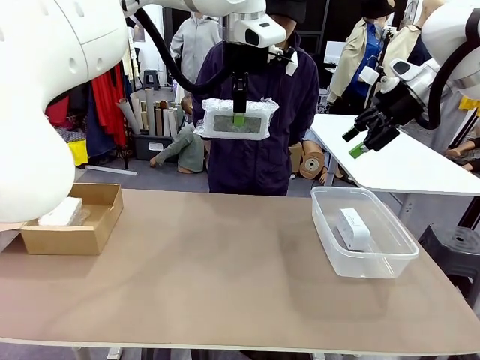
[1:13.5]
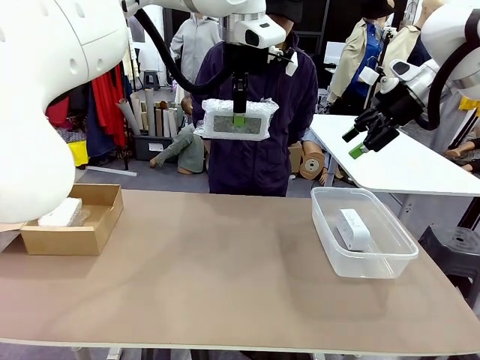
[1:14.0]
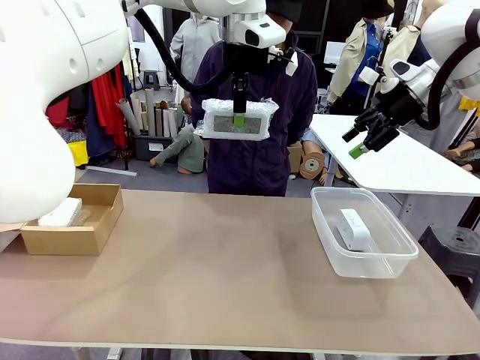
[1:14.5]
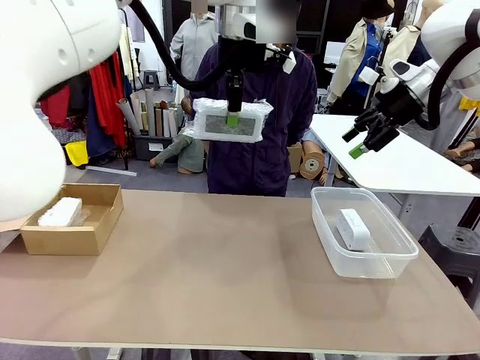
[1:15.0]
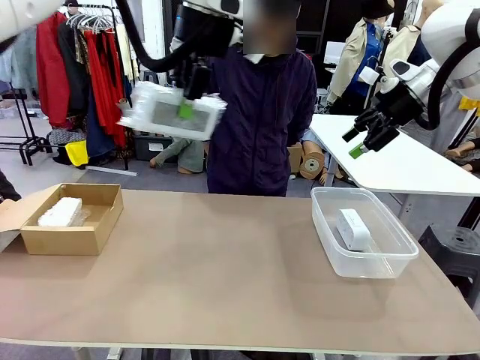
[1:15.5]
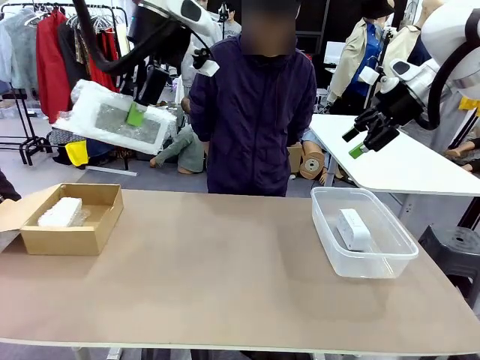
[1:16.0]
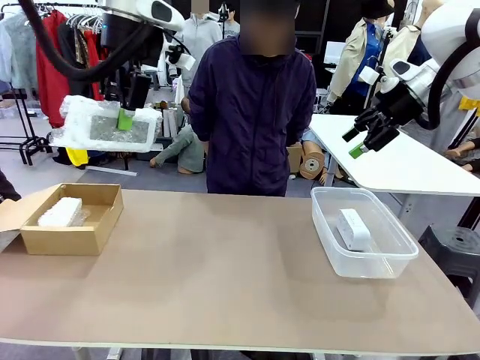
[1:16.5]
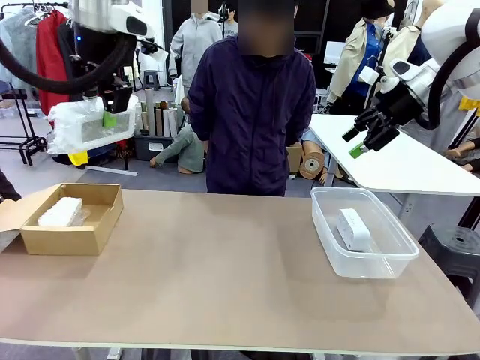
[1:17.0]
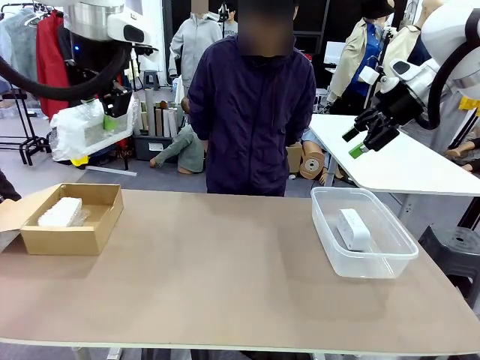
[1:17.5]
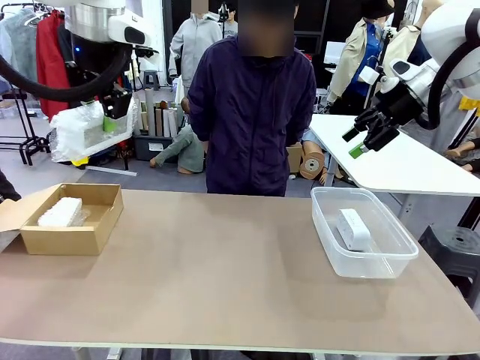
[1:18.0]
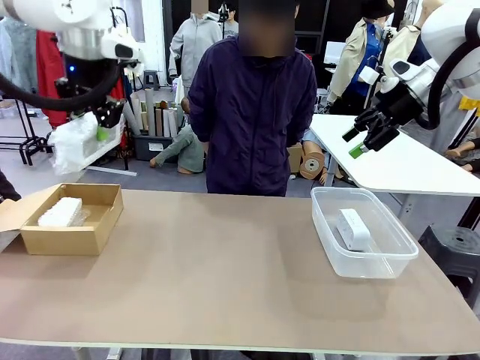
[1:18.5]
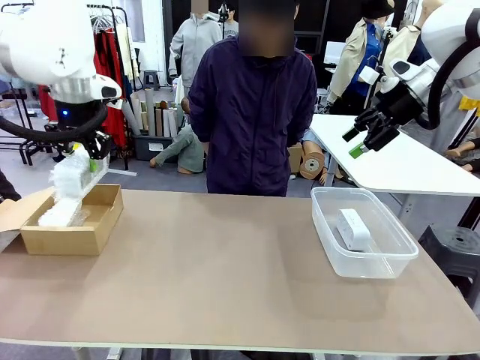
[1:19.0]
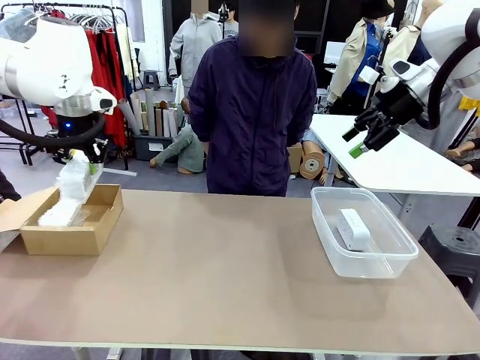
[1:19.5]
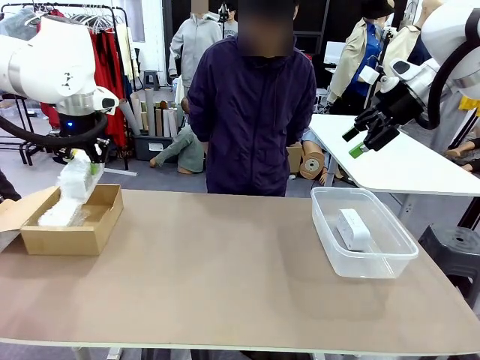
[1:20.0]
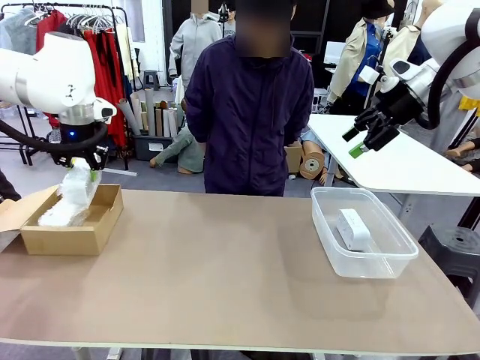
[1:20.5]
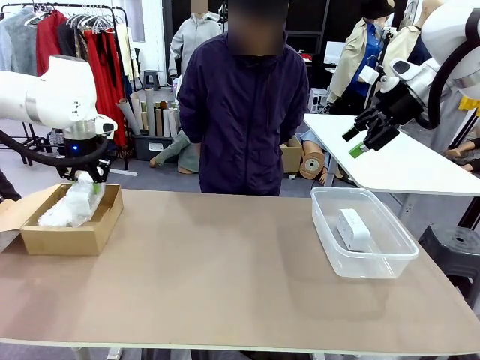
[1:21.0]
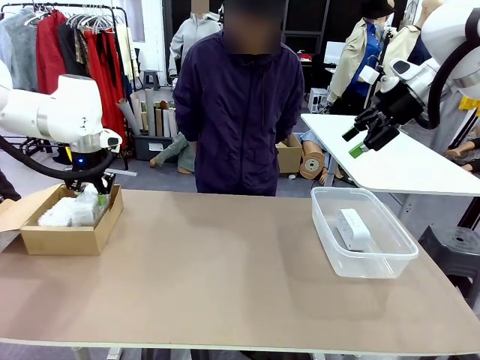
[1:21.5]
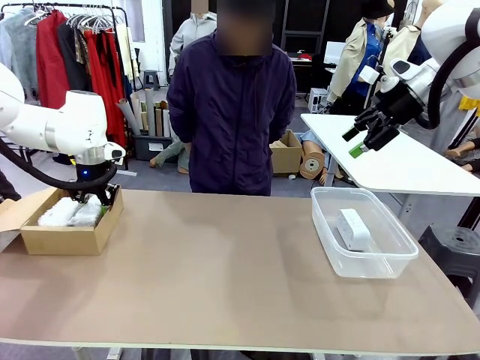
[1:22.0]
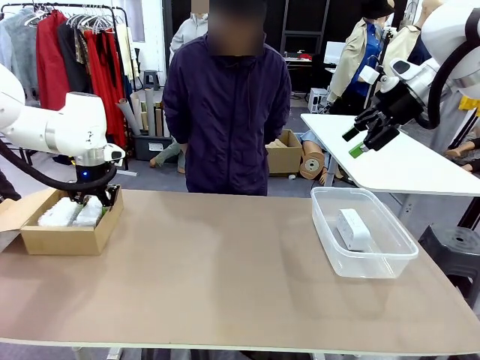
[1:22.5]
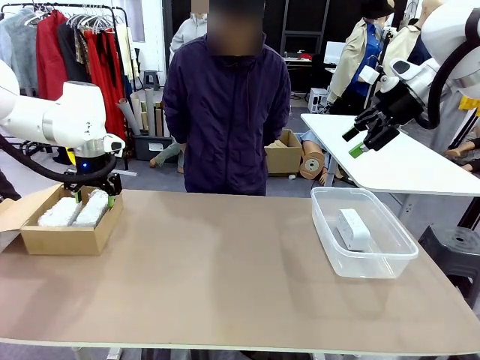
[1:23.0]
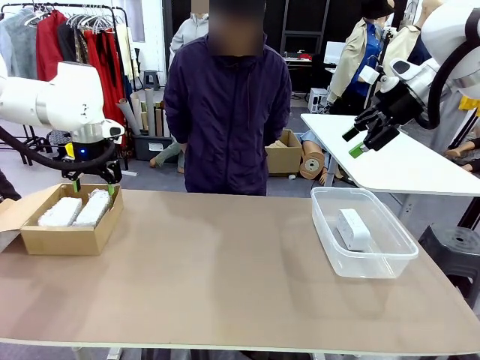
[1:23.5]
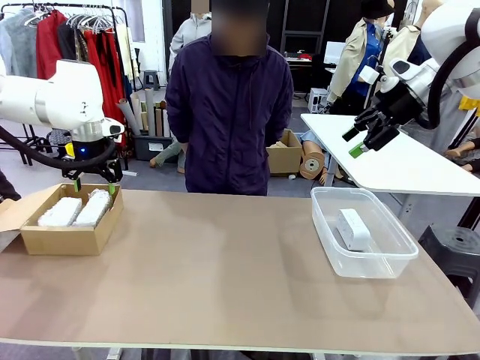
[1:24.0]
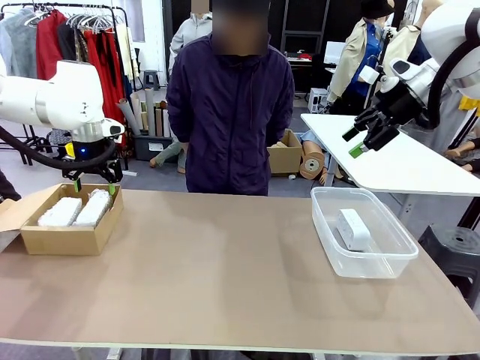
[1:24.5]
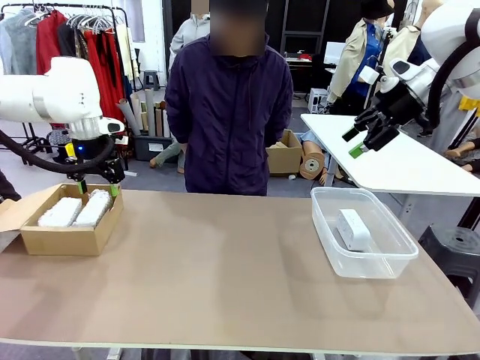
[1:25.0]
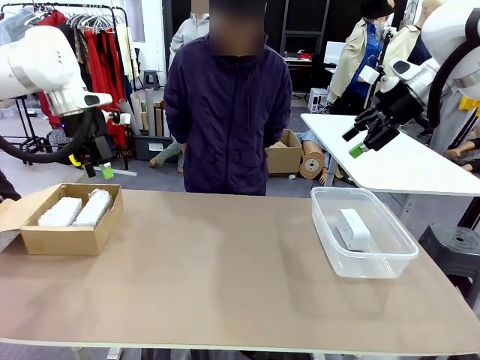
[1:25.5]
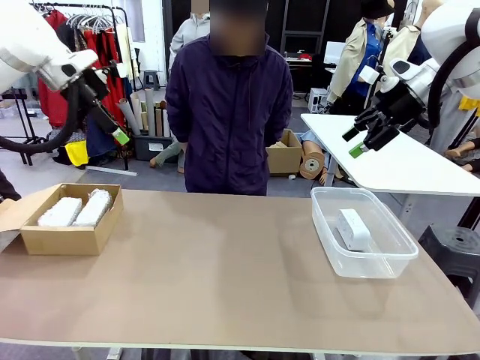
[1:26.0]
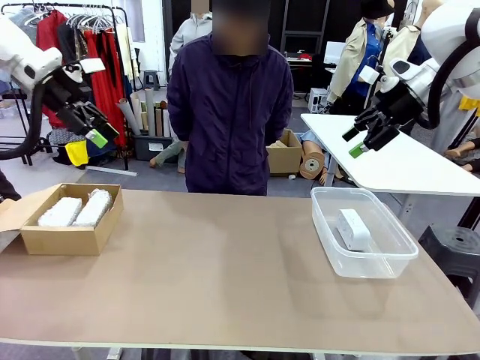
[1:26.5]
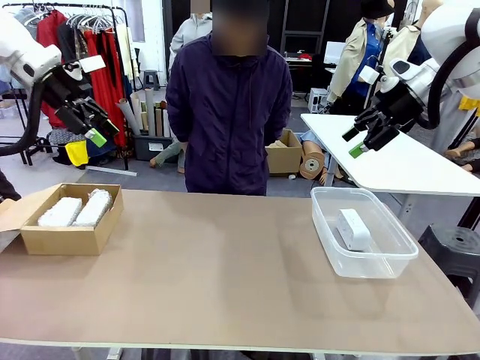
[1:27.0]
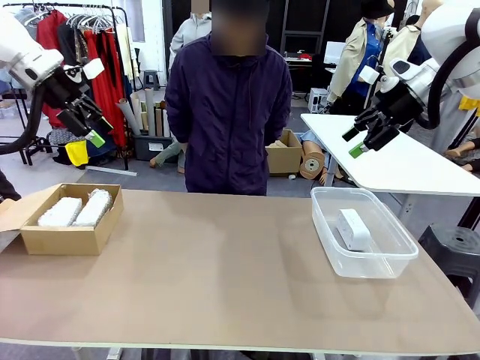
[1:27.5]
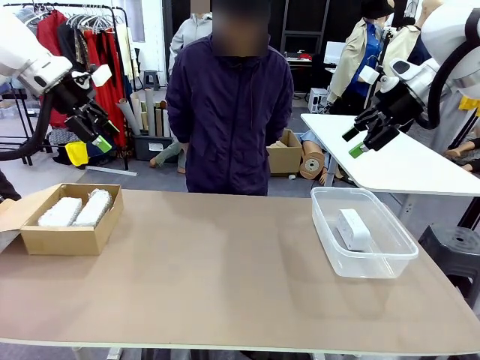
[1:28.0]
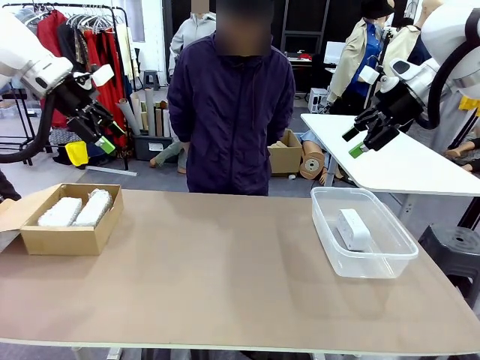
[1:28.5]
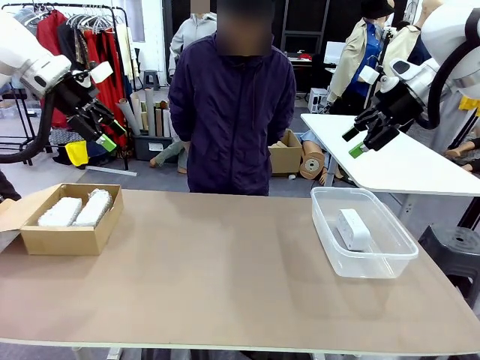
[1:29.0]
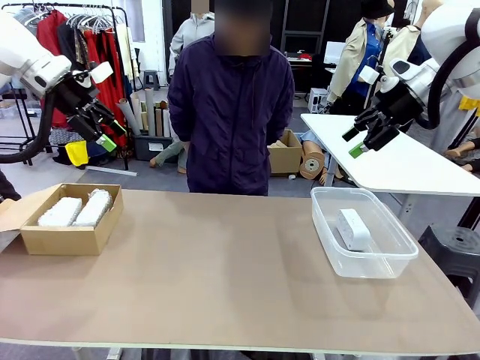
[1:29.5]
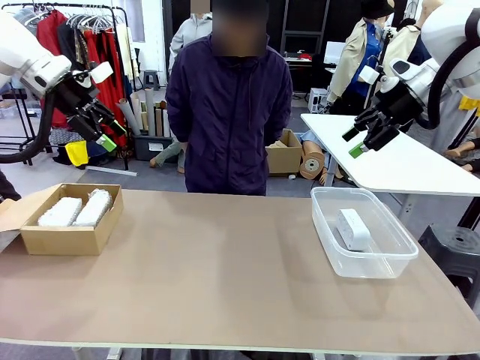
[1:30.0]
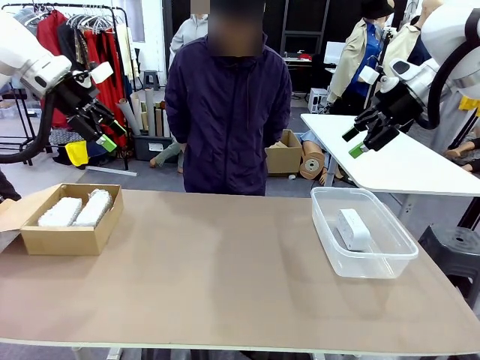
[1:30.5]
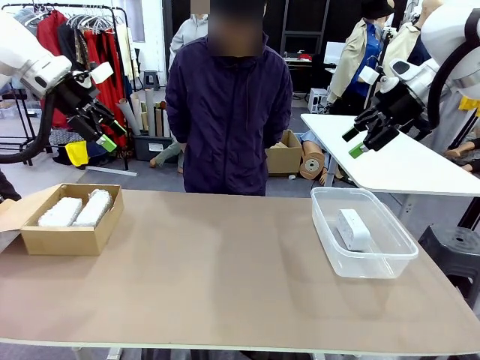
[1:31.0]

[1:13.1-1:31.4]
Task: Separate and place wrapped and unwrapped clocks.
Robot: If the picked Digital clock is wrapped, place it in the Package Box ; if not, place it in the Organizing box.
